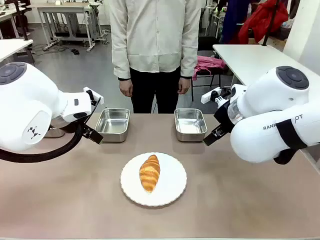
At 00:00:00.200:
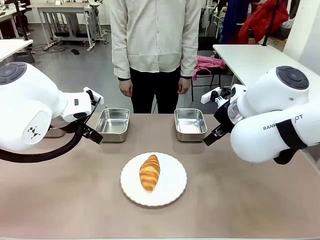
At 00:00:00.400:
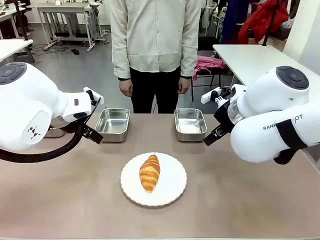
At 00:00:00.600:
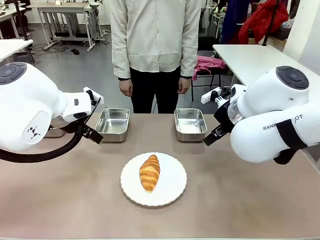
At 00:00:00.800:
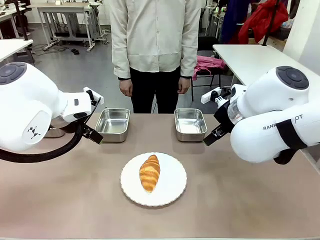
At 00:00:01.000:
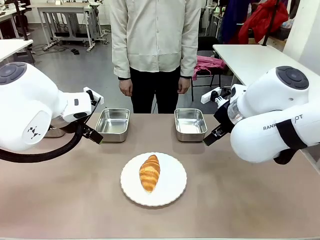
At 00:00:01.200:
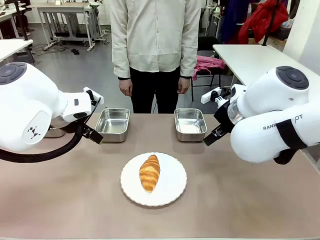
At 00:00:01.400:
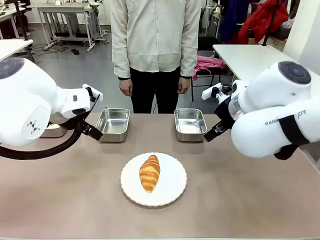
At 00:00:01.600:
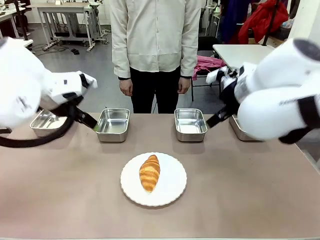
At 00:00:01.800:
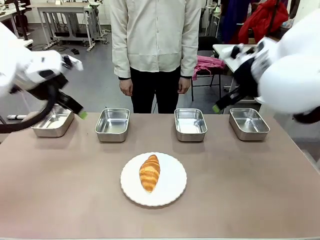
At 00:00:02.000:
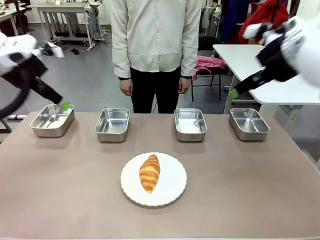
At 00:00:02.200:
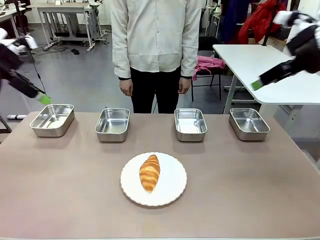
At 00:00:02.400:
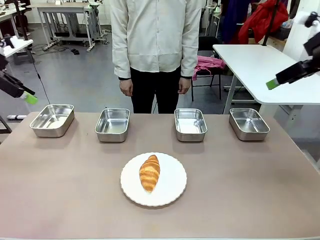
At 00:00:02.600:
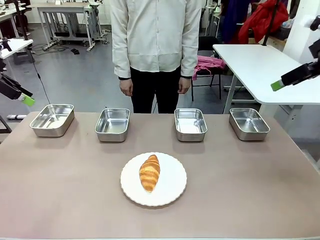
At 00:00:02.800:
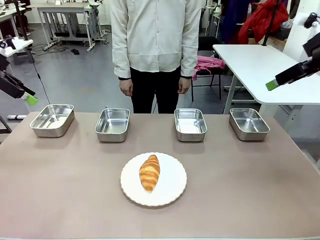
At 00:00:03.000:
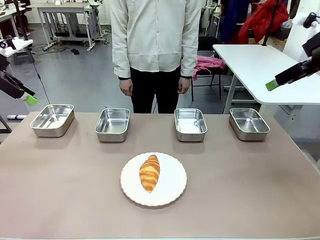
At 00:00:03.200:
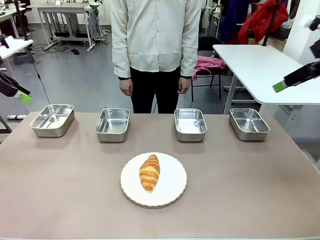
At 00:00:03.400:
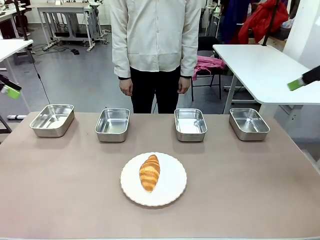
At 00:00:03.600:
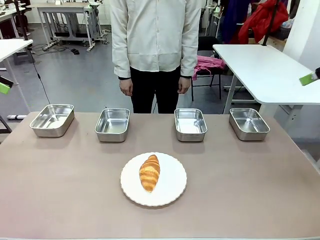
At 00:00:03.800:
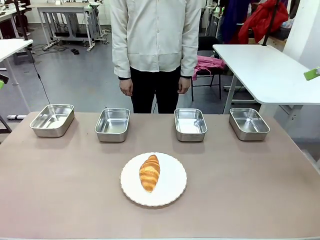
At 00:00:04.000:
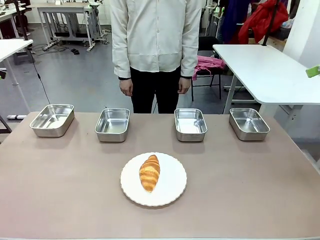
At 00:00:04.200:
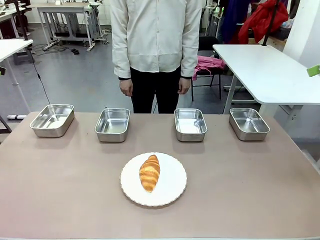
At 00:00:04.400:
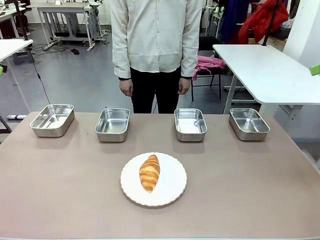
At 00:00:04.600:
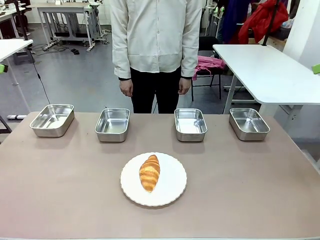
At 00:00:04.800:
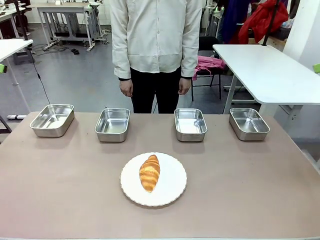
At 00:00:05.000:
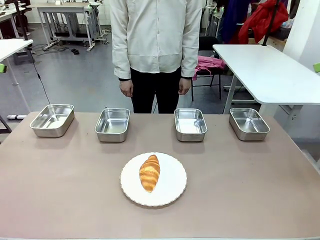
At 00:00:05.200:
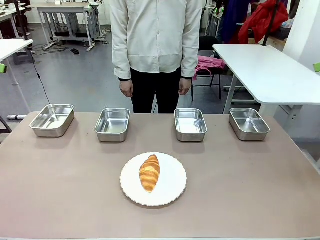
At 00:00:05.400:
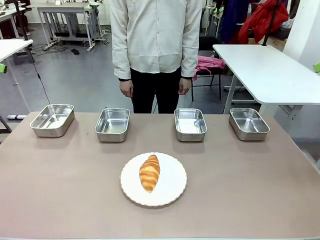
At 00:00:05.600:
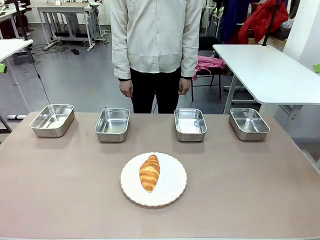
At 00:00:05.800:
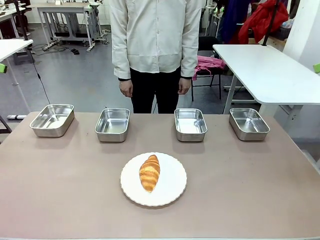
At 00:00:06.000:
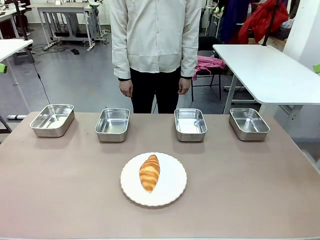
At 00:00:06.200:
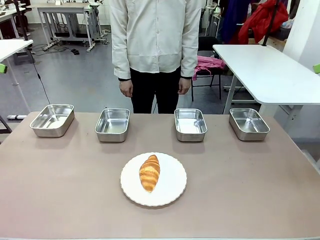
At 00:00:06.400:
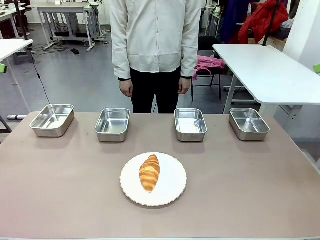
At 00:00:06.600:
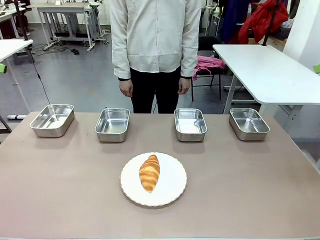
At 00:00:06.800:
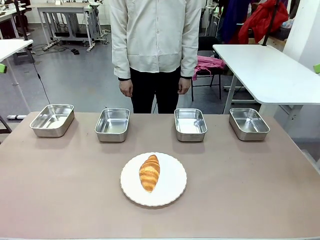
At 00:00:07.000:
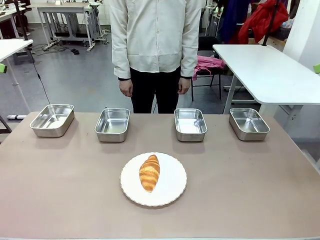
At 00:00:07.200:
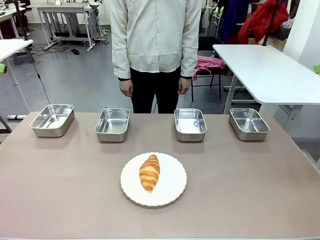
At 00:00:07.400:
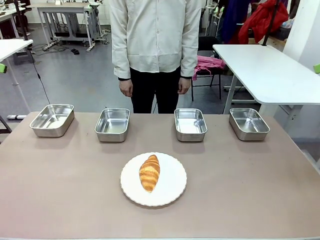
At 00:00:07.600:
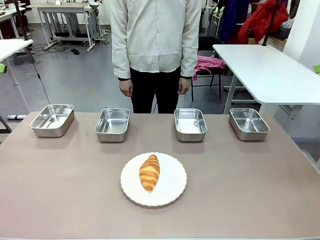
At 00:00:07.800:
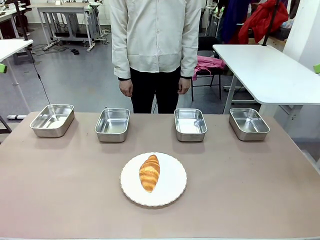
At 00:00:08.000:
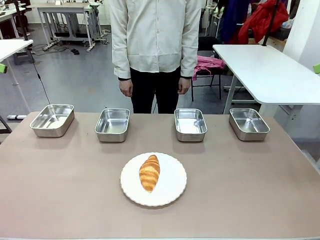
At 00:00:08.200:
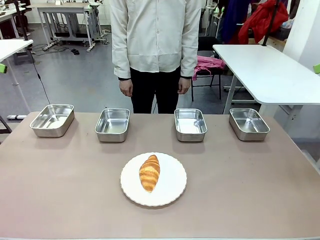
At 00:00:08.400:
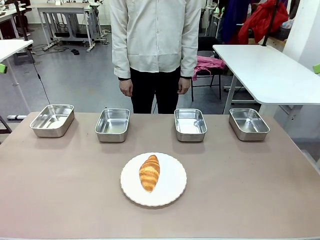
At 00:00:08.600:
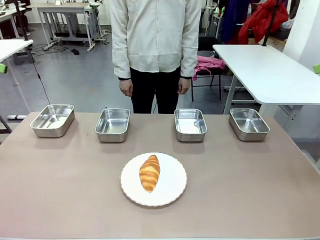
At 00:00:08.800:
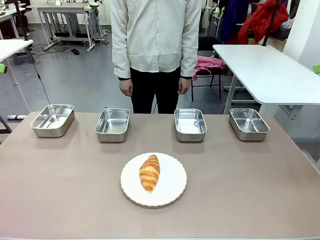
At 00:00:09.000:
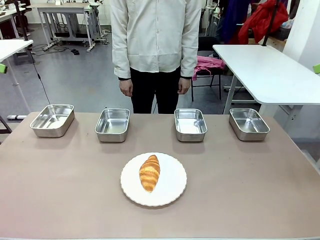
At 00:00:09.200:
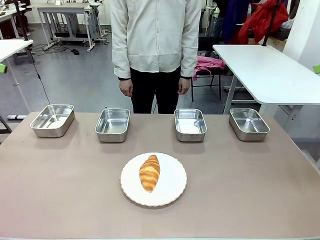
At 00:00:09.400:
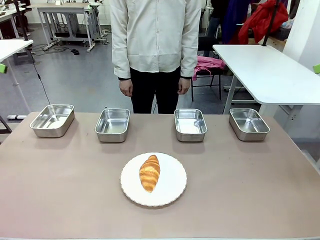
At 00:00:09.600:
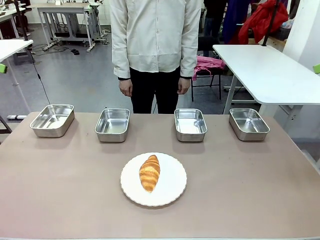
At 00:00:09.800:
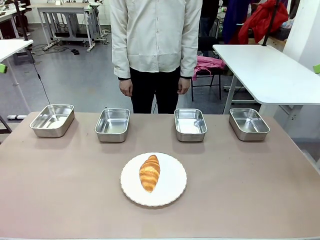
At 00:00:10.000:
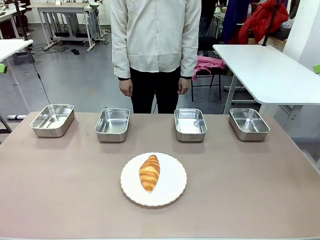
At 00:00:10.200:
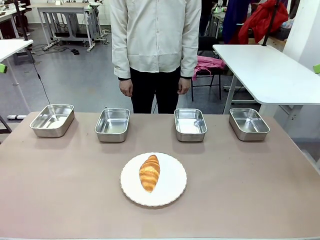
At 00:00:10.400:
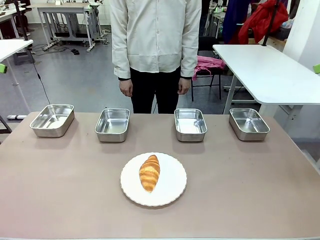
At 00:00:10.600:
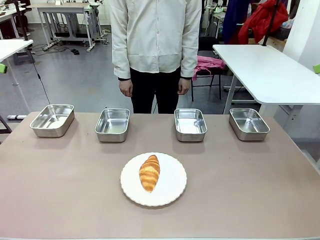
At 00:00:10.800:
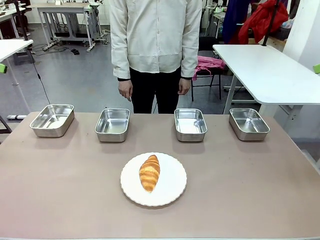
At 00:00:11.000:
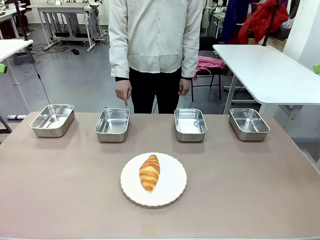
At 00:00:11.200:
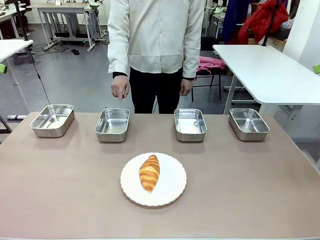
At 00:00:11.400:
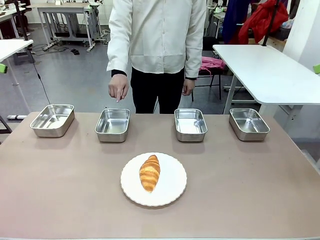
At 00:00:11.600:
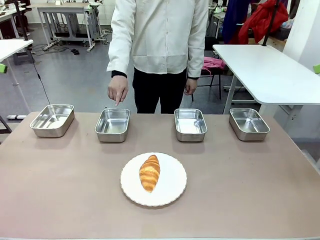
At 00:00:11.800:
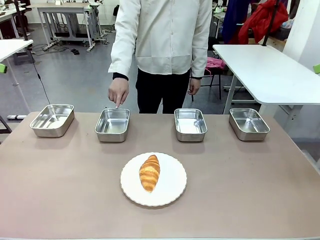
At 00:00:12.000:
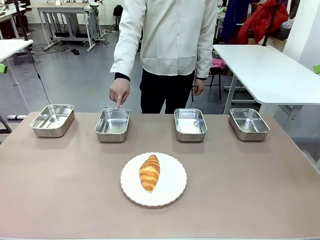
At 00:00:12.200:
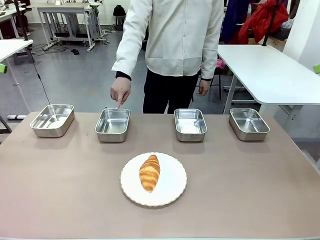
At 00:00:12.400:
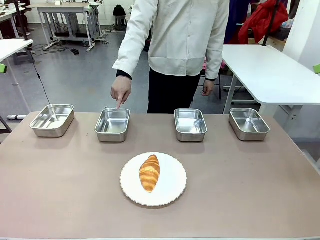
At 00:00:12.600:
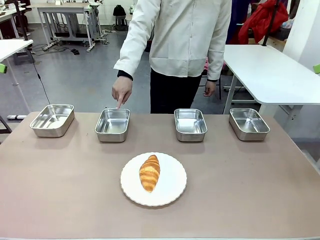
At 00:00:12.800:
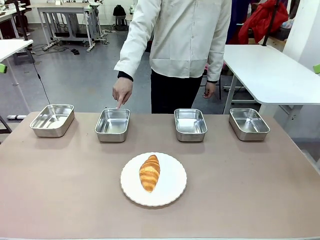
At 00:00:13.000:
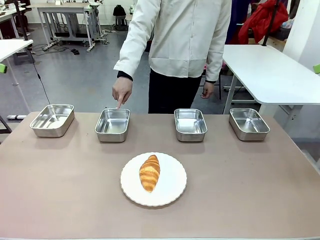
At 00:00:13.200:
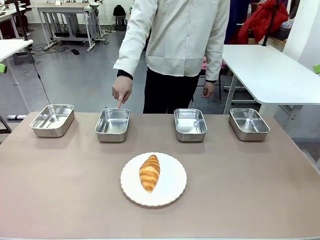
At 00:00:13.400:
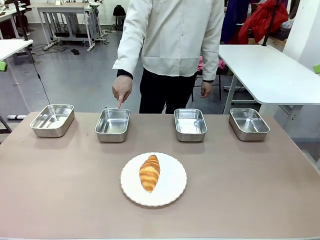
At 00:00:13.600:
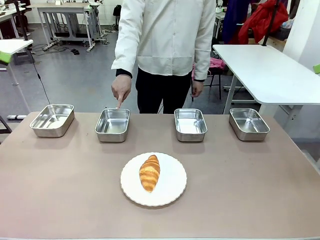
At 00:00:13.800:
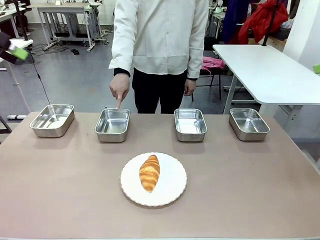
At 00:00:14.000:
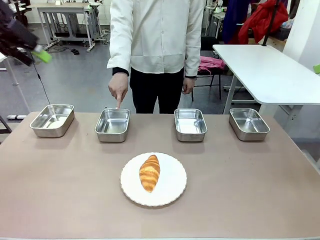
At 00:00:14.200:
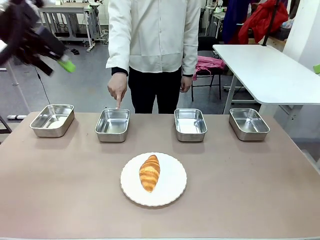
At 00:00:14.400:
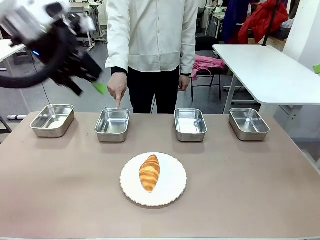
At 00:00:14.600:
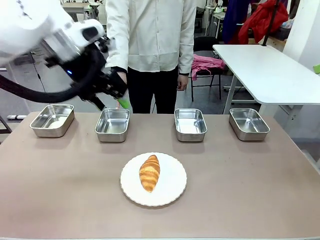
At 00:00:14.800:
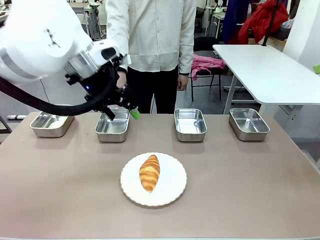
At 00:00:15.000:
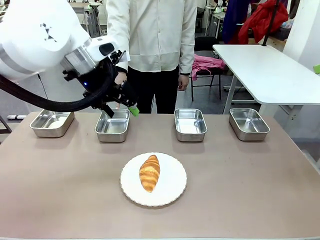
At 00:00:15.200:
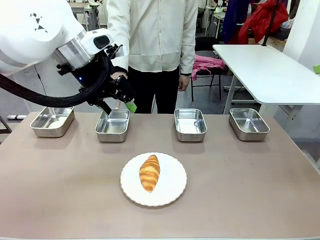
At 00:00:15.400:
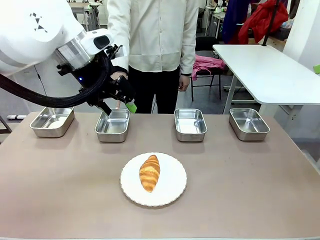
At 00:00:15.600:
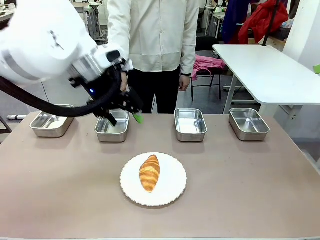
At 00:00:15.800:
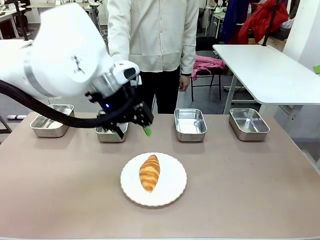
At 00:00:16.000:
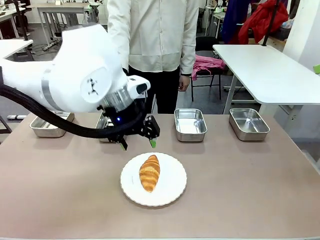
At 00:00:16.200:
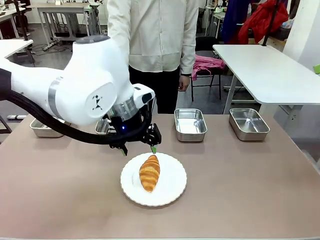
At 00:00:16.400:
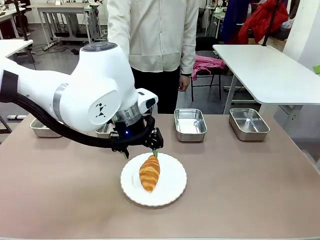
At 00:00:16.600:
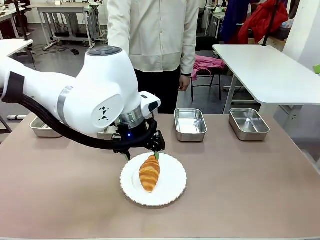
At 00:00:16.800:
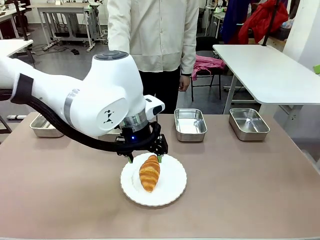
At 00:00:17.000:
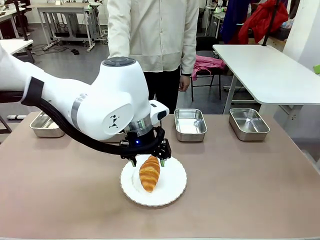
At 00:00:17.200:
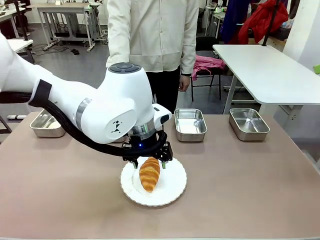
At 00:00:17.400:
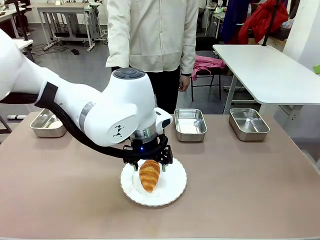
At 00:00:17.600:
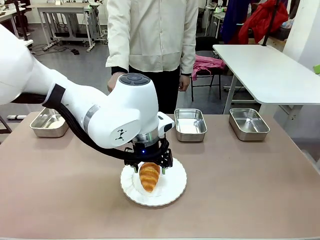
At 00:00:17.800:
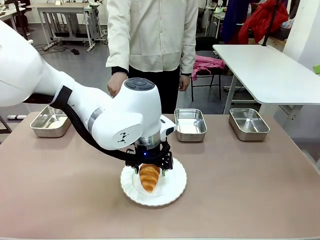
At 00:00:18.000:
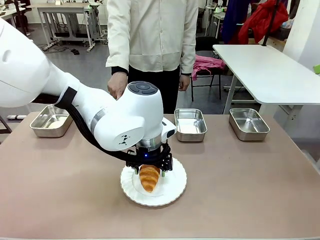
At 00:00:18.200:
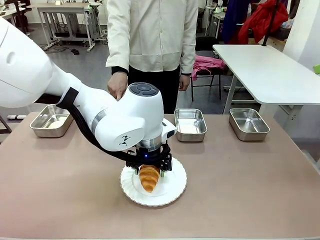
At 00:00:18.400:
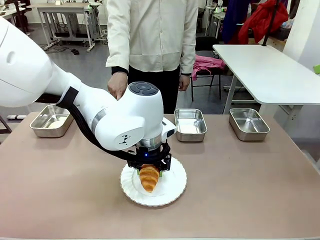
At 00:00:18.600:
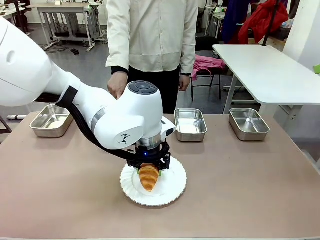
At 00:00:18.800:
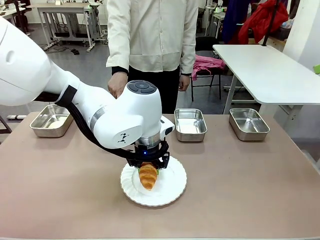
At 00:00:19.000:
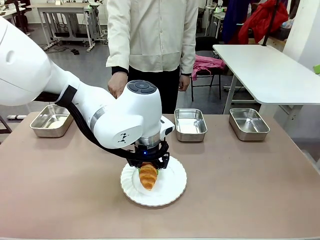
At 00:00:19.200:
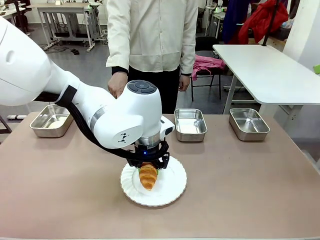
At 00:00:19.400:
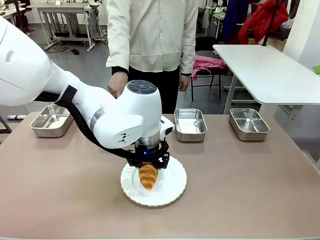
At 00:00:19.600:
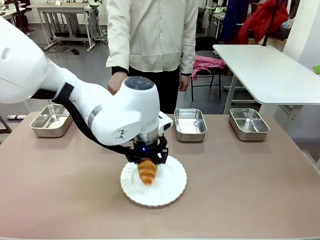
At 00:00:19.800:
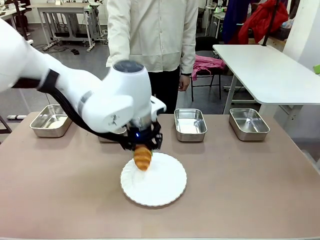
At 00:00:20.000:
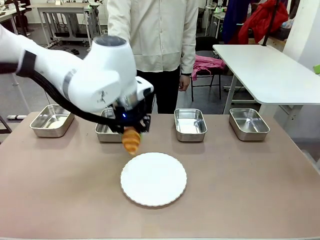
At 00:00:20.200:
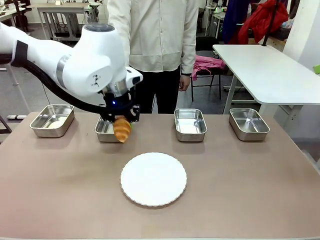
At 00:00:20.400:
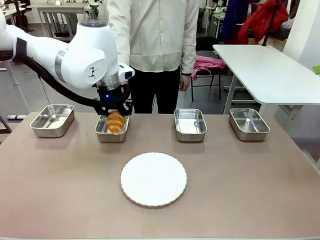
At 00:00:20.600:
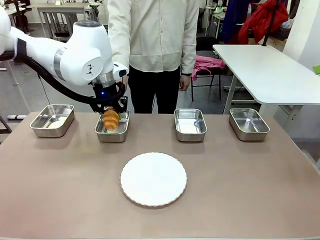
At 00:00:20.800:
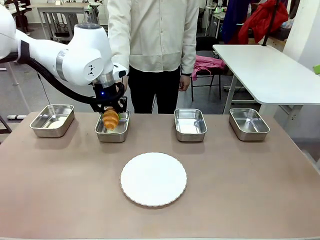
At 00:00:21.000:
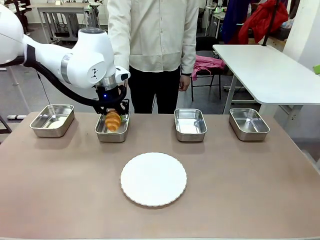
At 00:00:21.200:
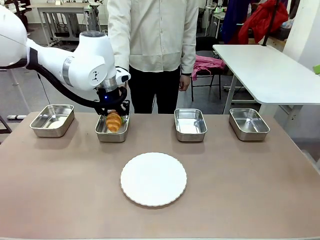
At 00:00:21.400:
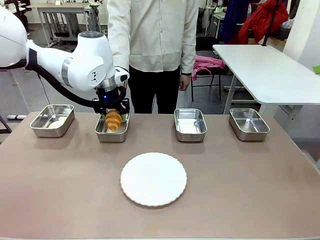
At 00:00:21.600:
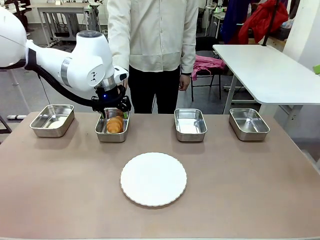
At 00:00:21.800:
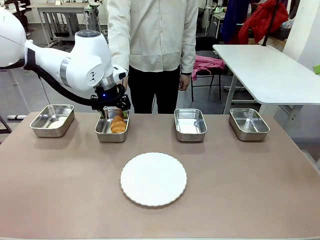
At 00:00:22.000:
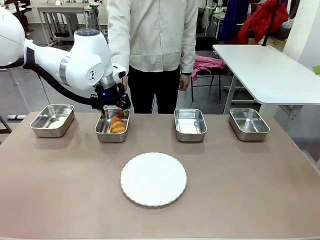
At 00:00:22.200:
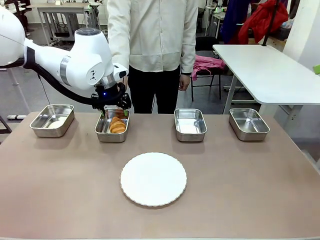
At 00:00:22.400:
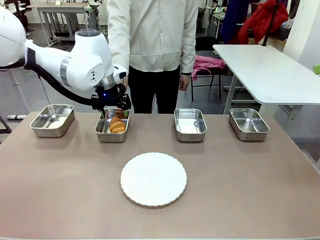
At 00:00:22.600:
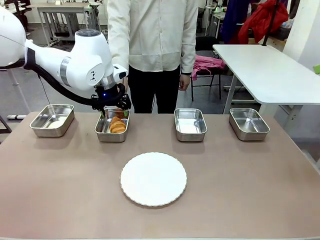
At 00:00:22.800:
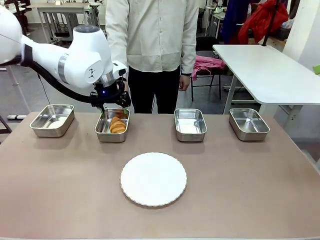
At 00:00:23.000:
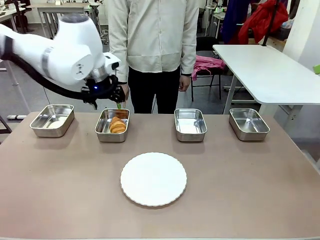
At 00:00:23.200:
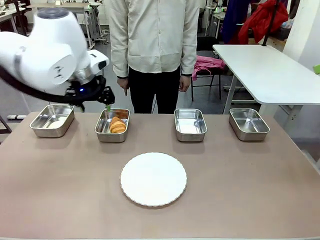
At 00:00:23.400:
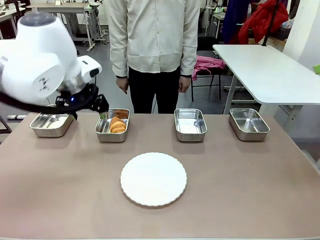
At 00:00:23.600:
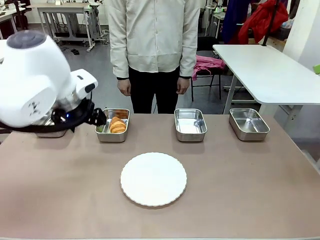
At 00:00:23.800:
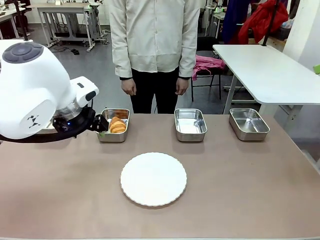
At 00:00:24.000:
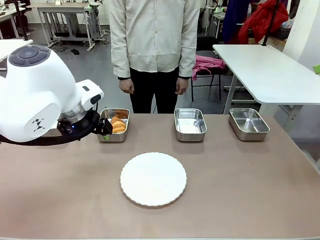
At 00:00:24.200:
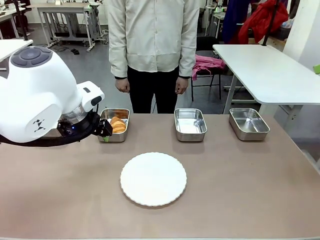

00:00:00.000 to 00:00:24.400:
Task: Place the bread in the container.
Robot: Place the Butter Roll into the Airtight Container indicated by the human.
Person: A person randomly selects and points to an Airtight Container.
